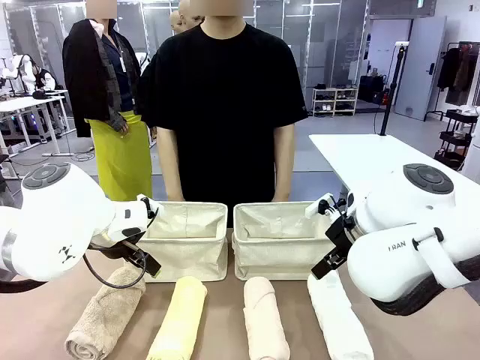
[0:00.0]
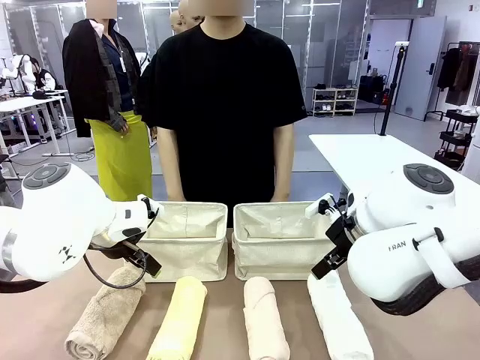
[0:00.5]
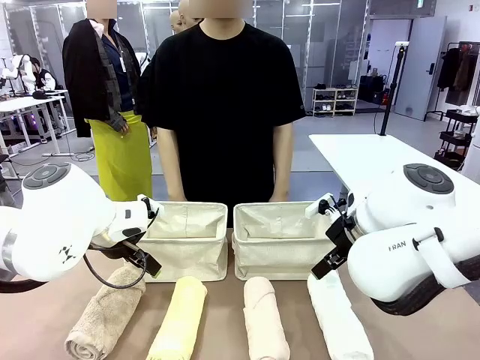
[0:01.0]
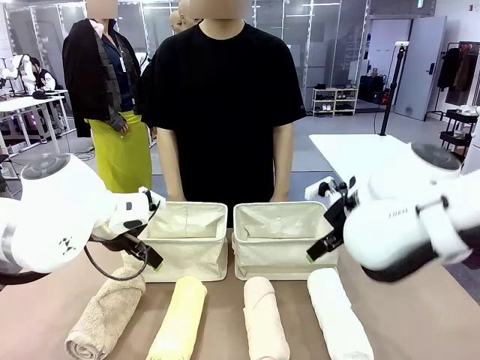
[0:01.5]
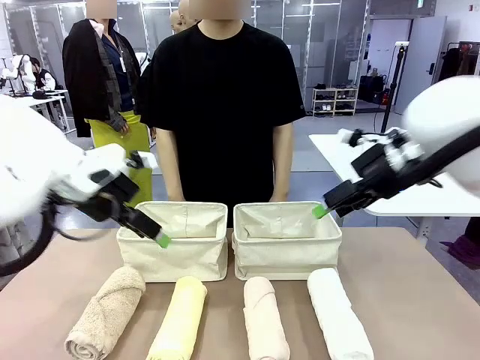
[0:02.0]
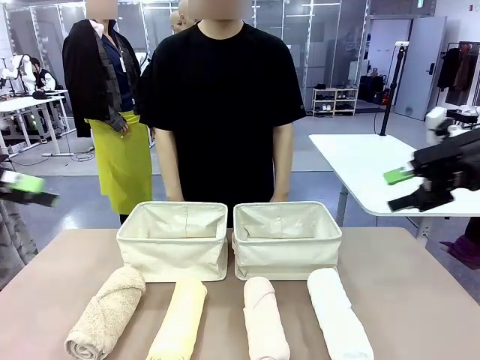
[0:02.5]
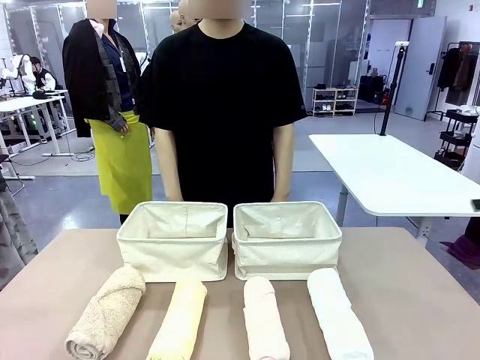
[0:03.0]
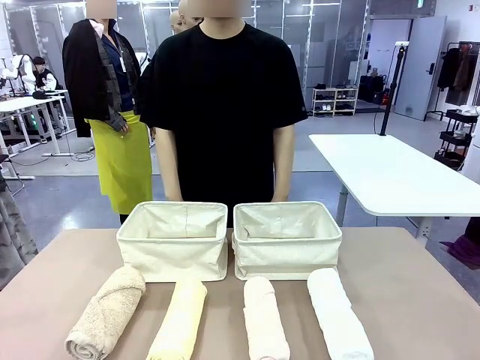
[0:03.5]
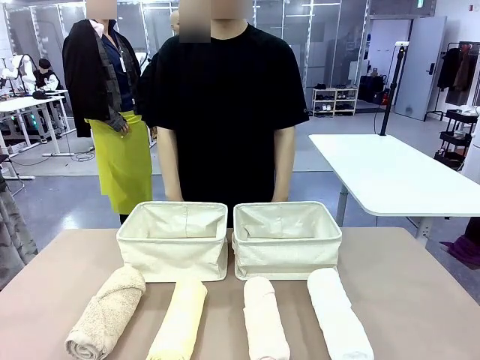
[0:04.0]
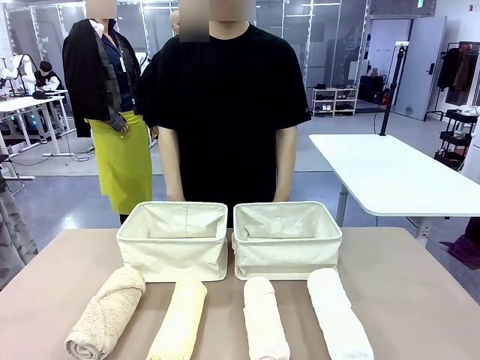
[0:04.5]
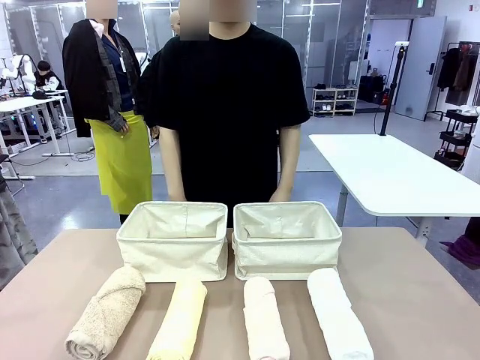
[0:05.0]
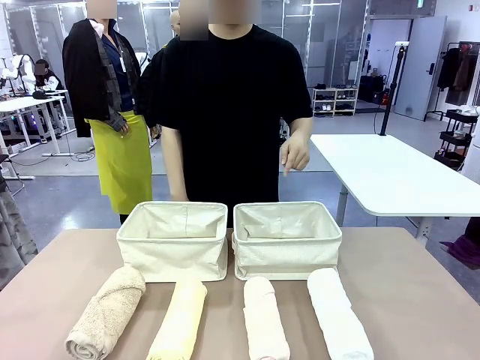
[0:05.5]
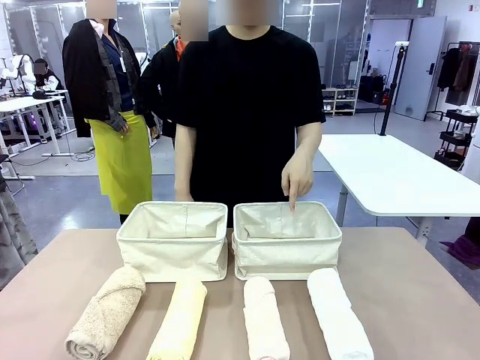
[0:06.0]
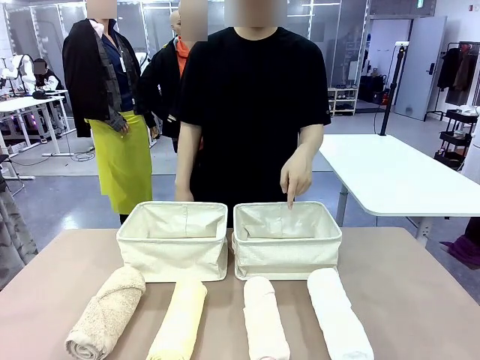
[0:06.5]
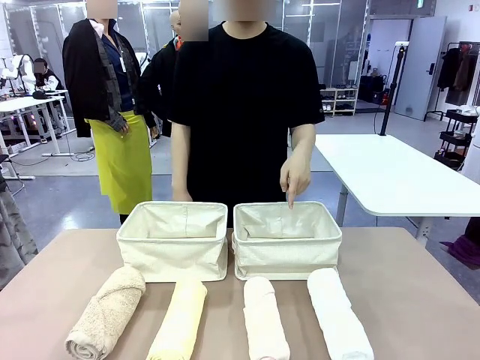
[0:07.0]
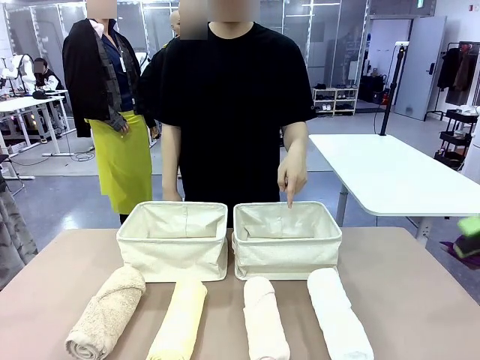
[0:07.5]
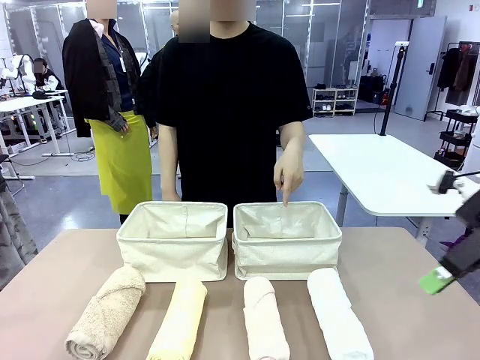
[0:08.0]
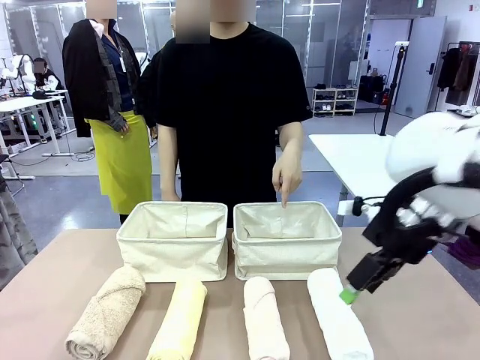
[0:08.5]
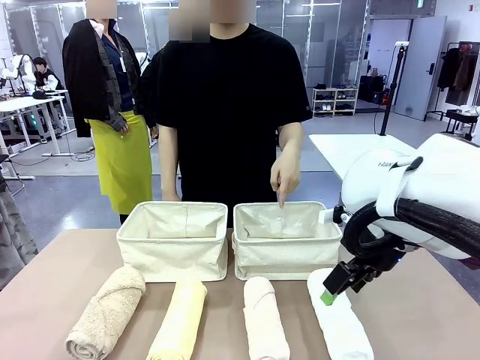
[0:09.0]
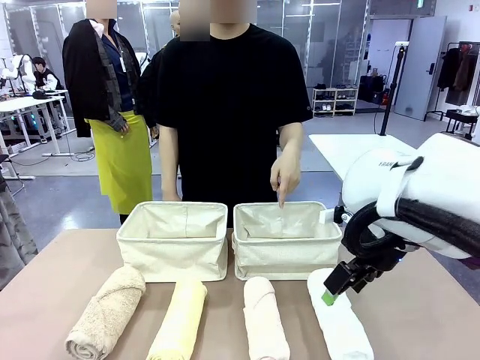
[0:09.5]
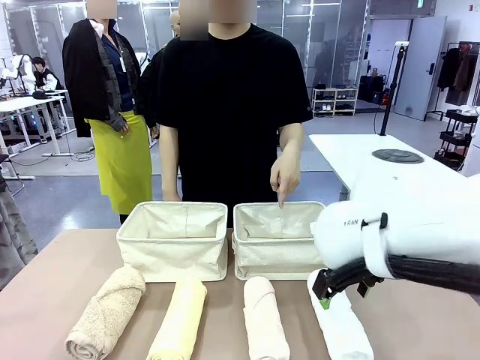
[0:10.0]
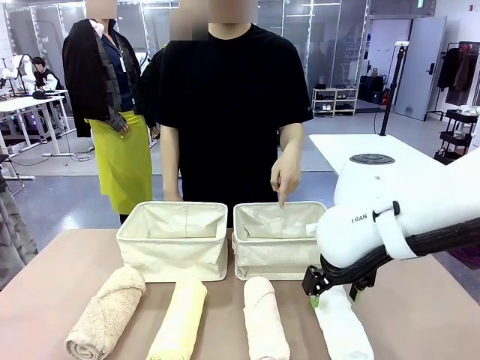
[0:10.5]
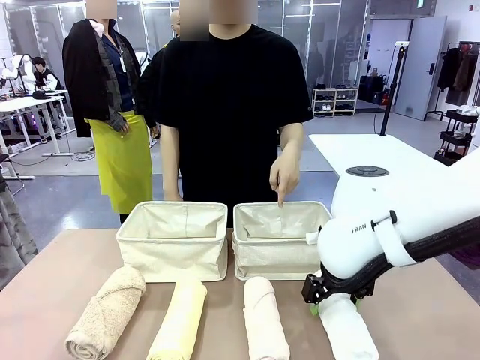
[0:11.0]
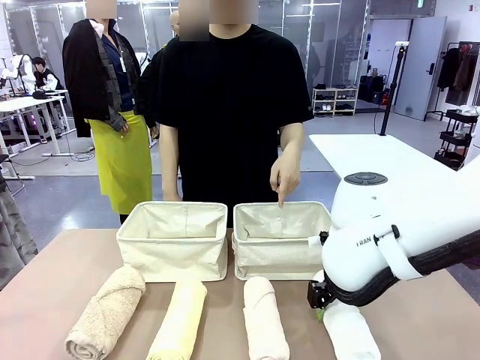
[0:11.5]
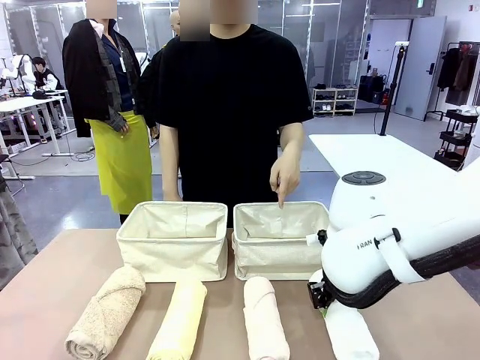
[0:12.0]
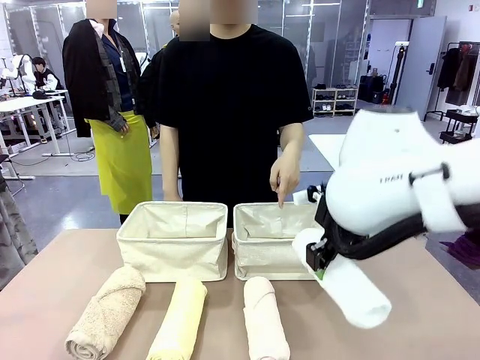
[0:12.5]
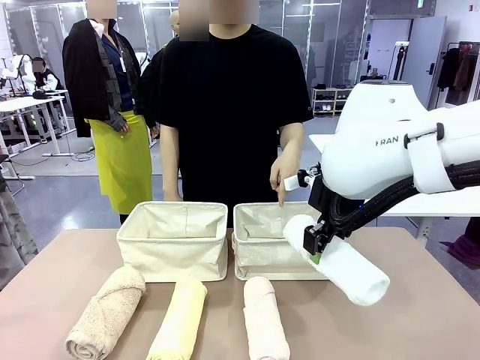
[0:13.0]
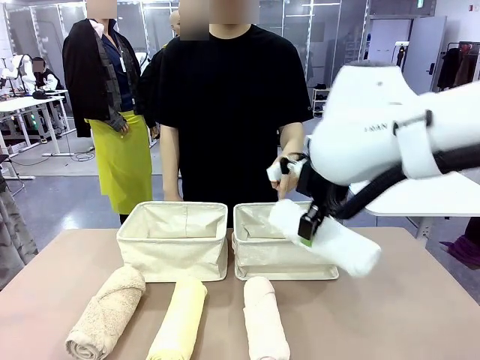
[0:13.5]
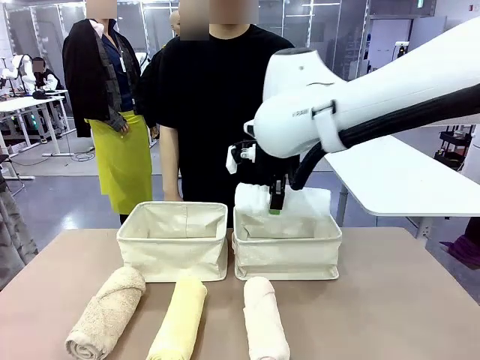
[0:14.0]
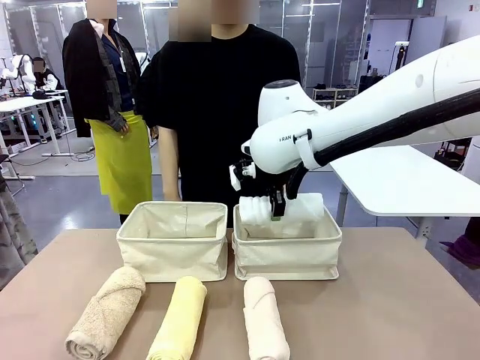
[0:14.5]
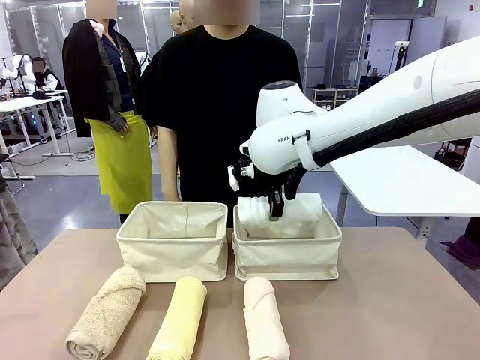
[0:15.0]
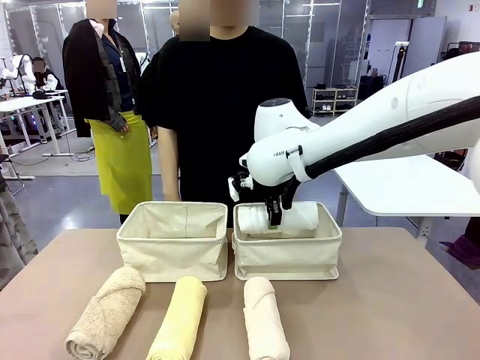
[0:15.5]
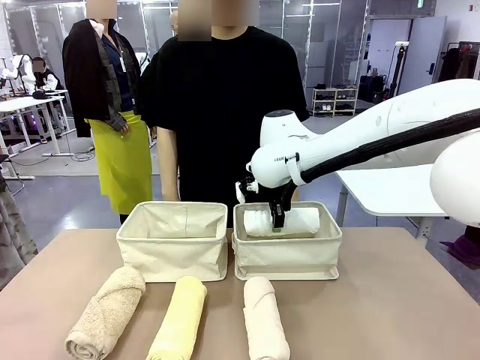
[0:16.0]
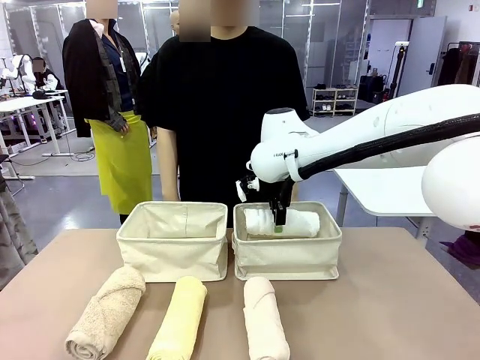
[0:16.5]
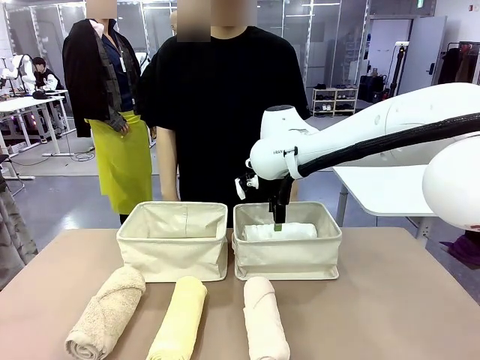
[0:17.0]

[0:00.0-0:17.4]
Task: Divide the towels into two baskets.
Robot: Pick up one hotel-folded towel and place it in the Fabric basket indicated by the person.
